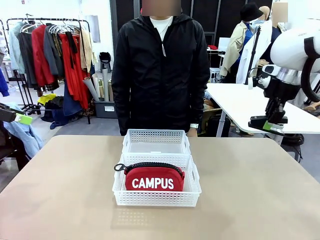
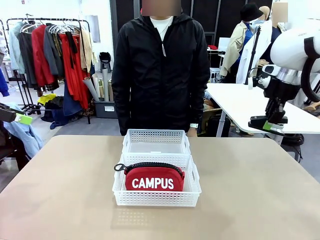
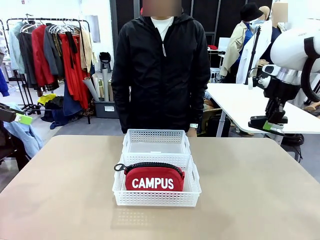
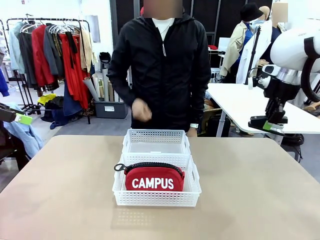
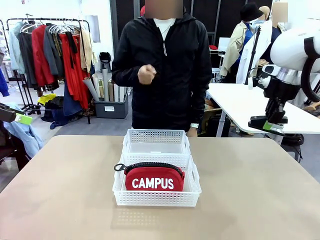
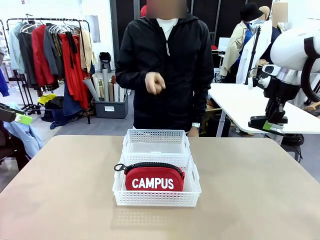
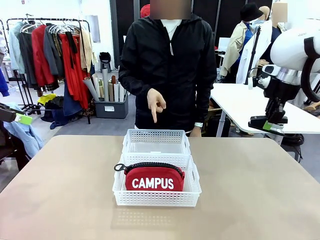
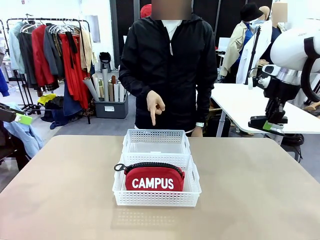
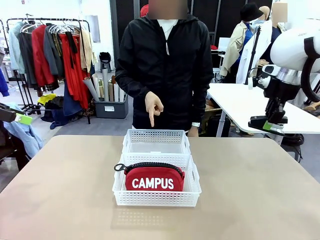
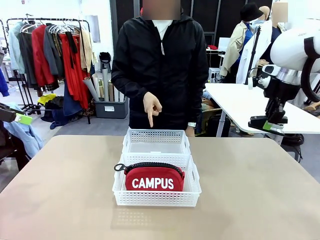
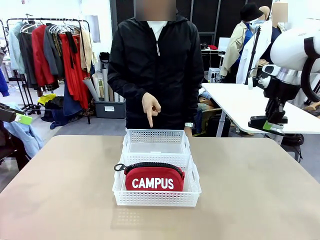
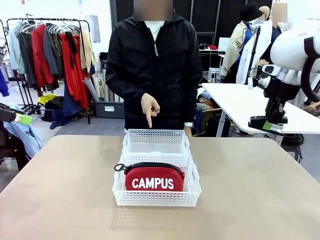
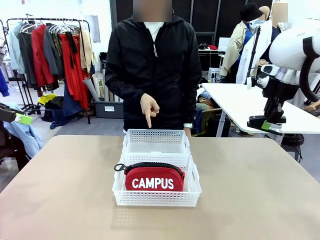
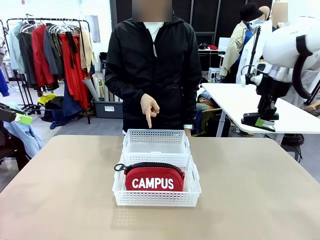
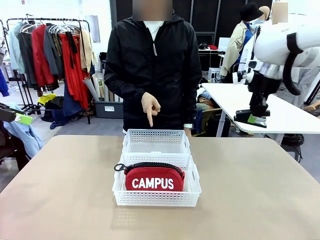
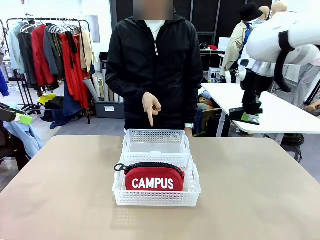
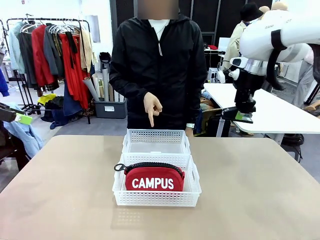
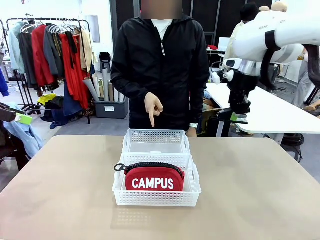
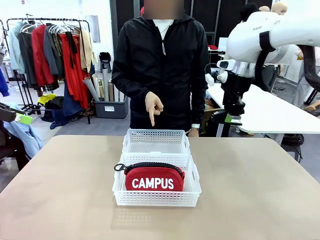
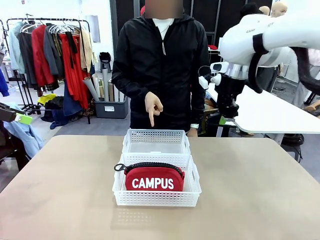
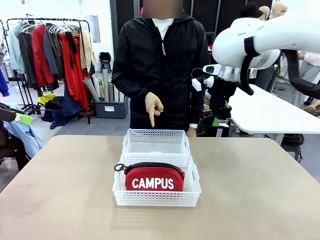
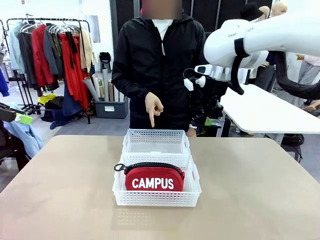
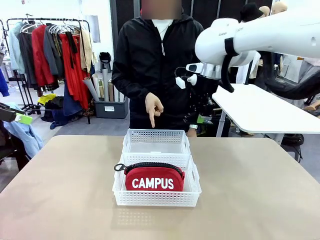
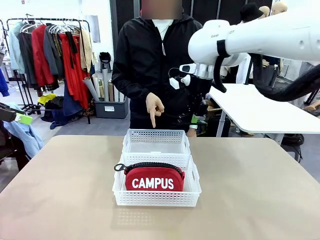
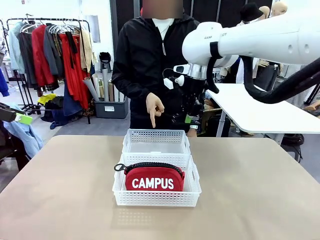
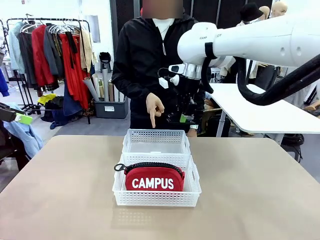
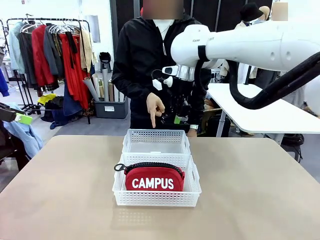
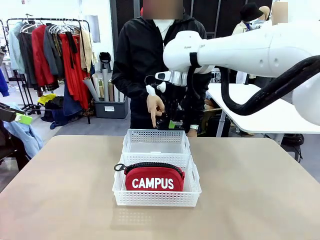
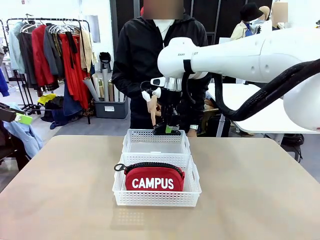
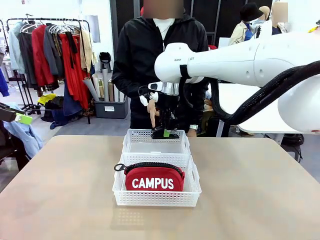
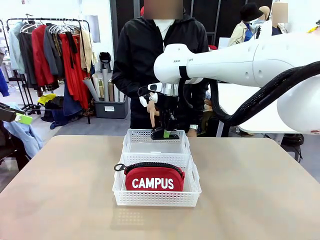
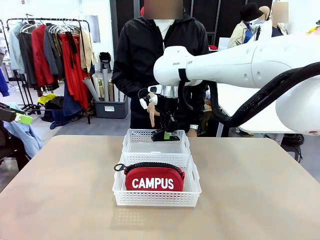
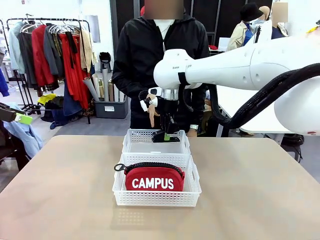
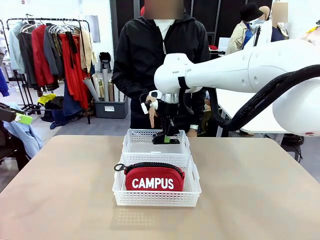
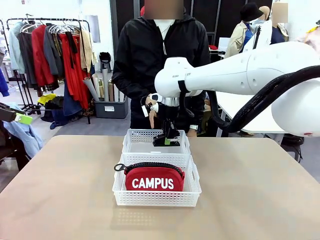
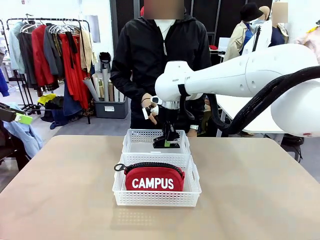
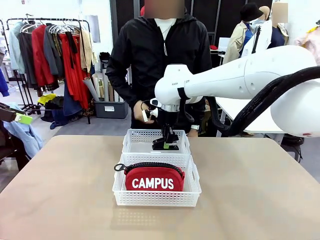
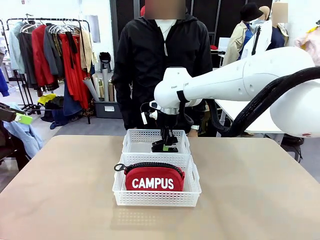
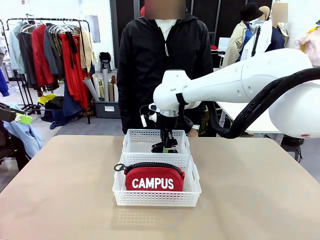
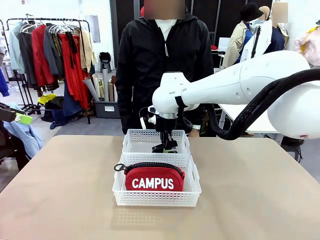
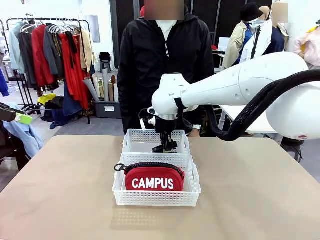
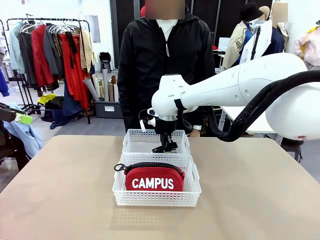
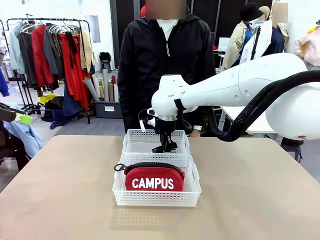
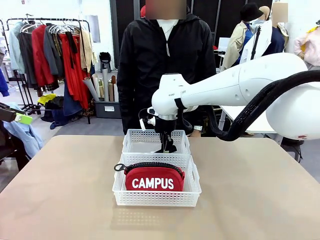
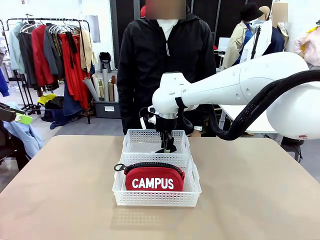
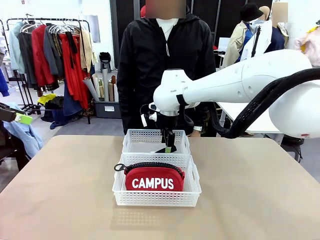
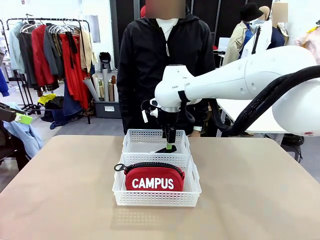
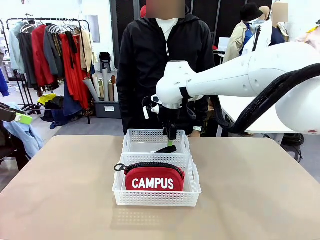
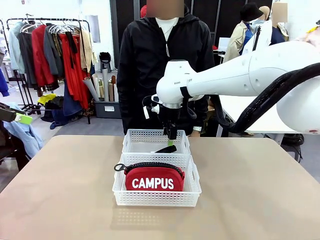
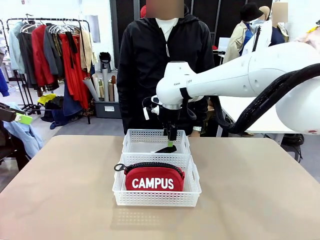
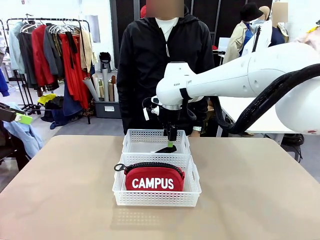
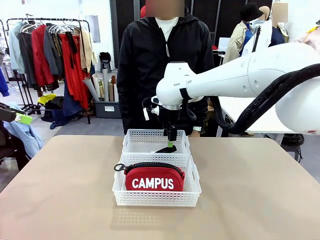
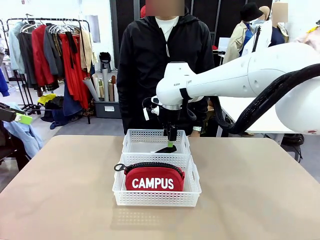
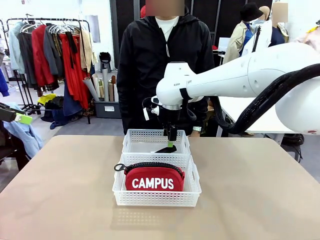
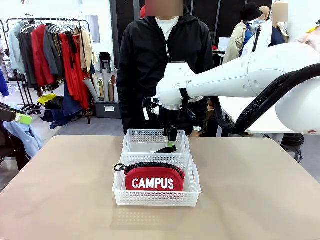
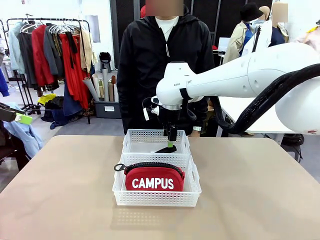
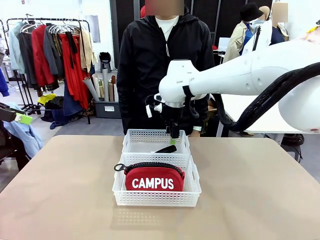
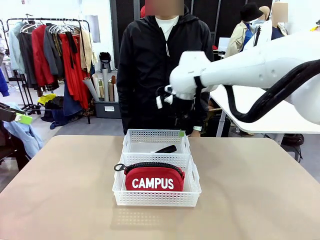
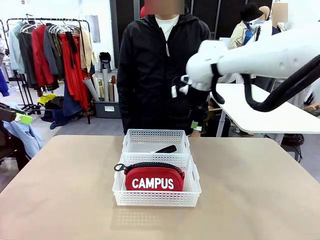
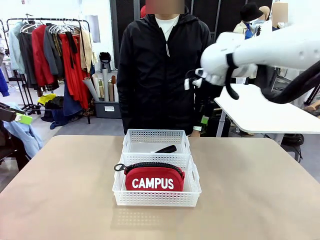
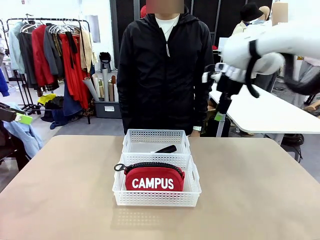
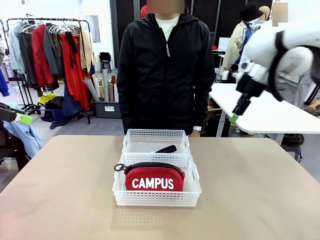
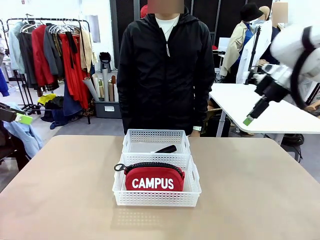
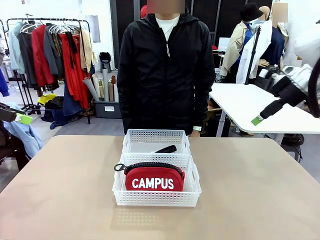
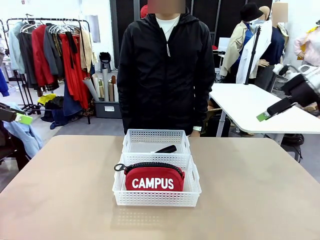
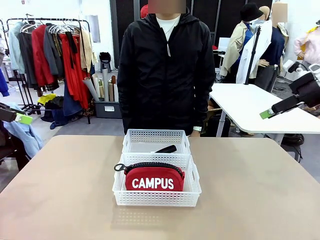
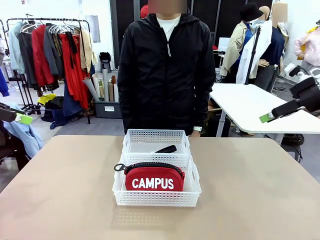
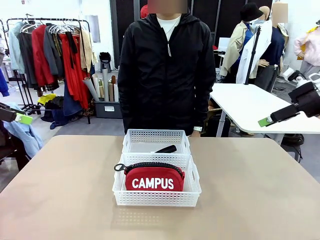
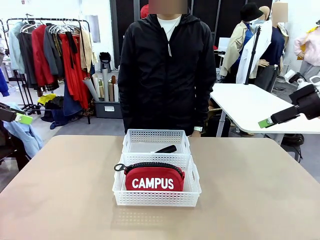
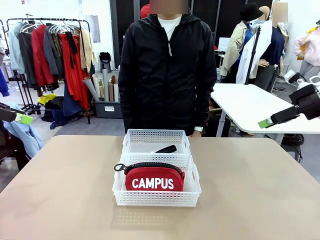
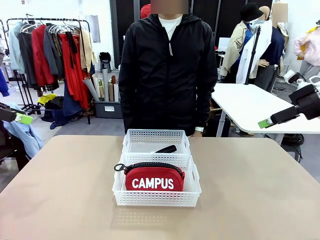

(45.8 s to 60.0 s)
Task: Distribute items into two baskets.
Robot: Place the picked Stapler into the Organizing basket as instructed by the person.
Person: Points to the basket that does not contain the pencil case and instructs the robot to move the stapler there.
